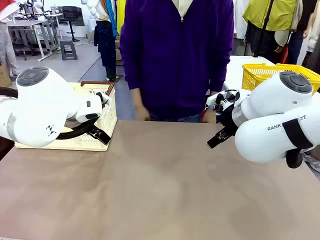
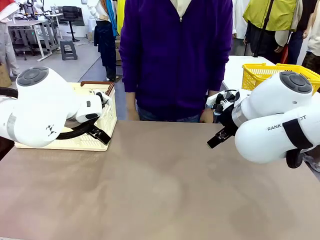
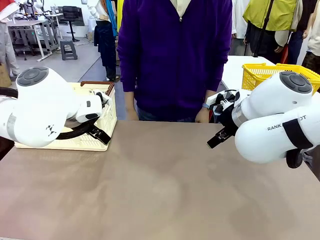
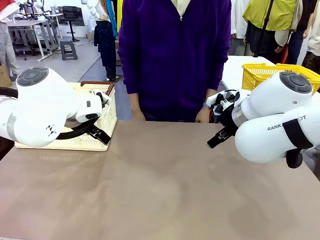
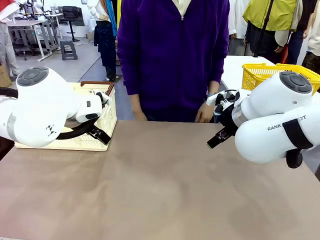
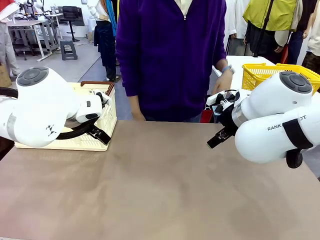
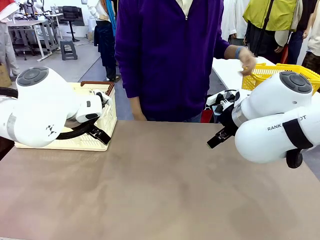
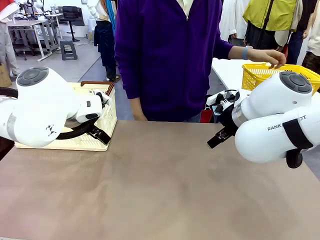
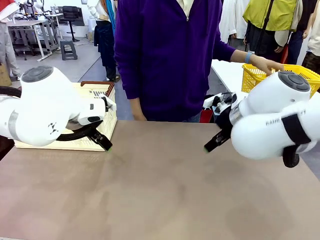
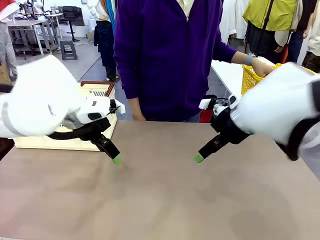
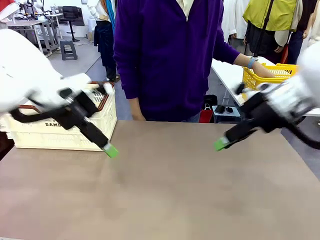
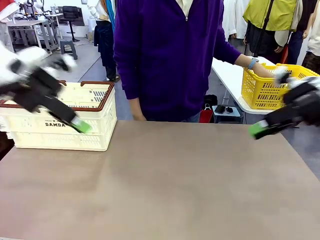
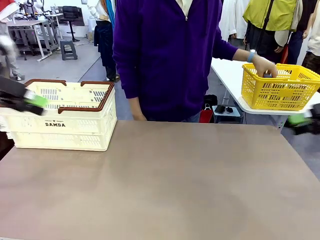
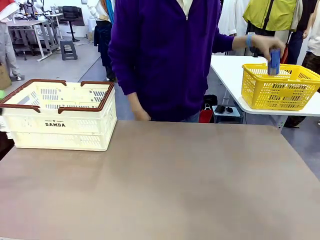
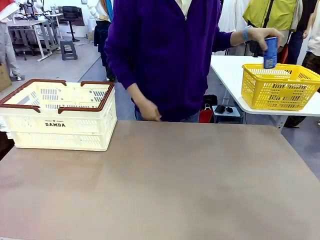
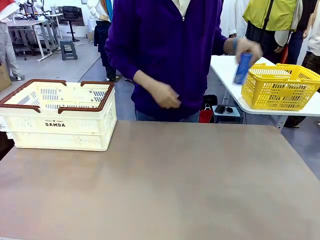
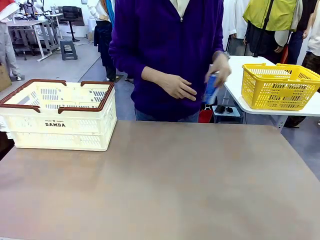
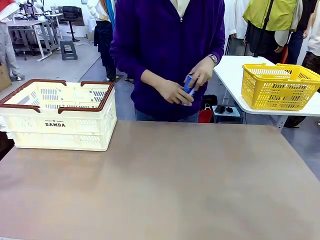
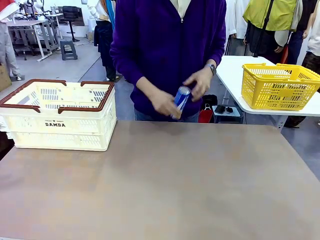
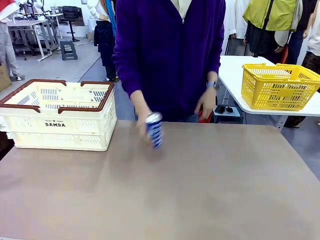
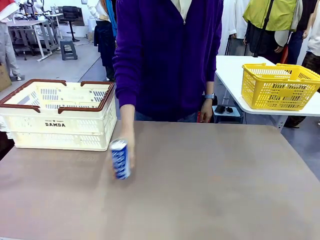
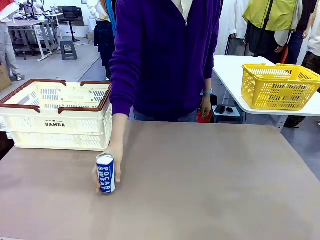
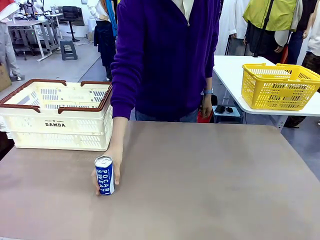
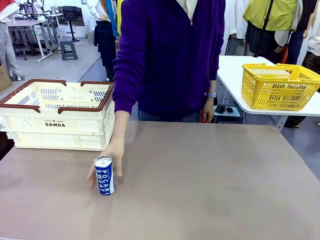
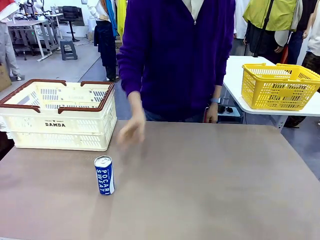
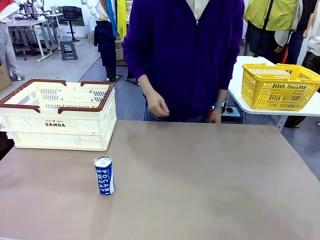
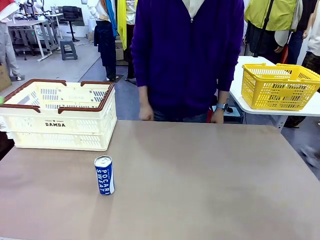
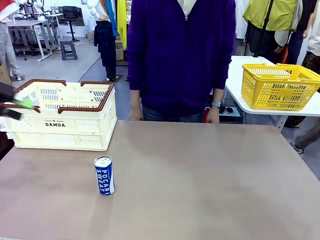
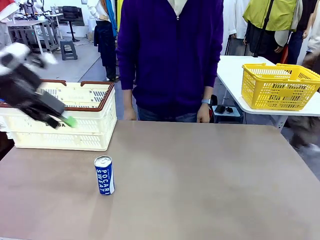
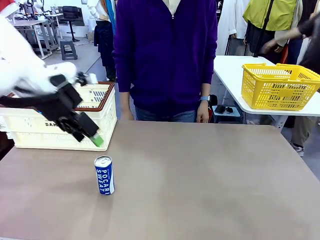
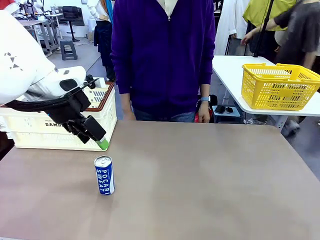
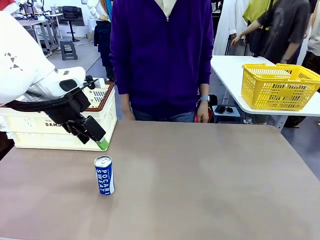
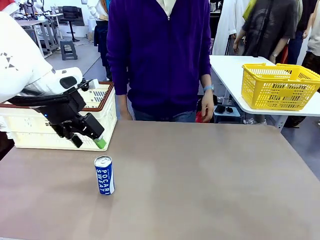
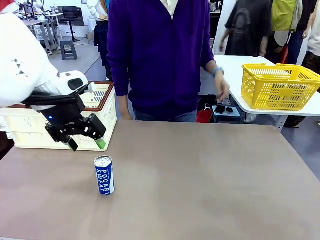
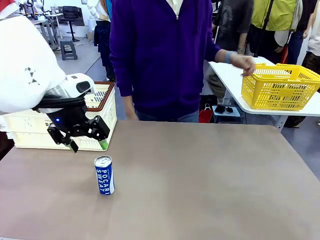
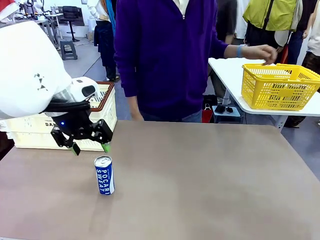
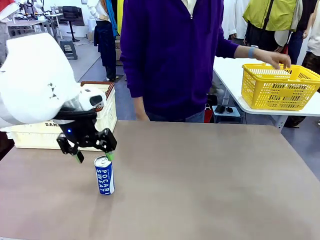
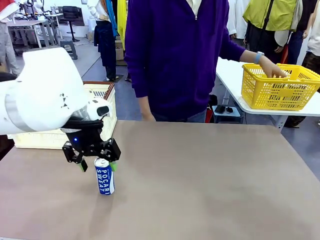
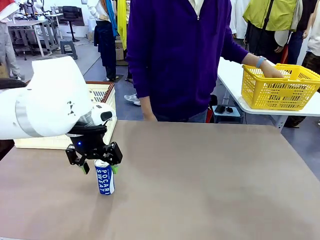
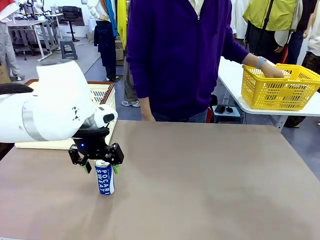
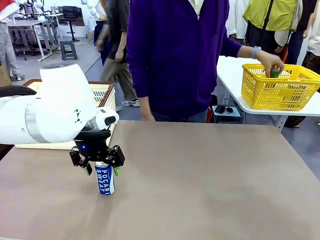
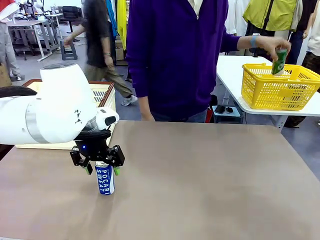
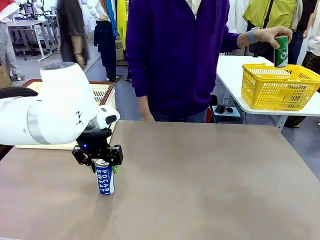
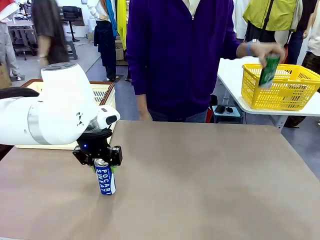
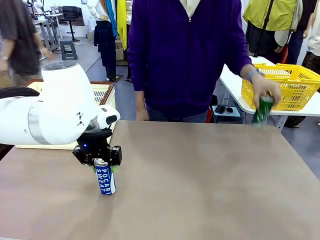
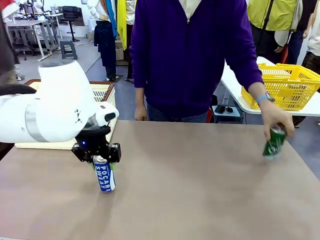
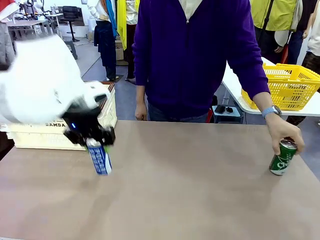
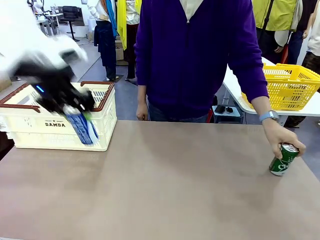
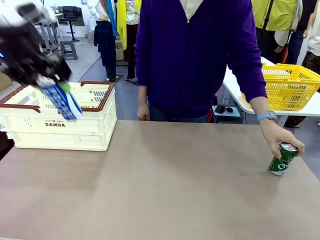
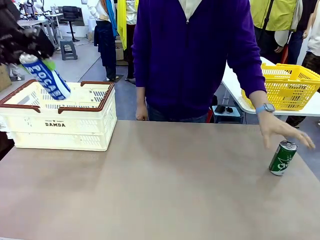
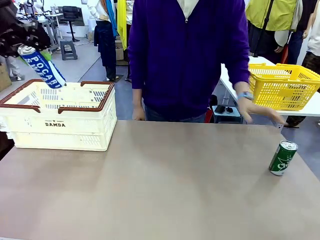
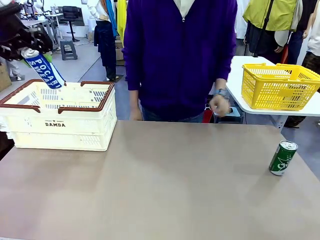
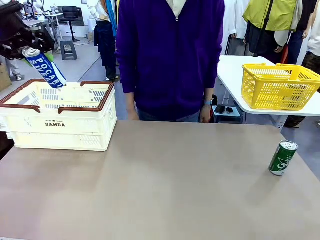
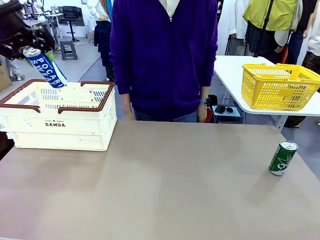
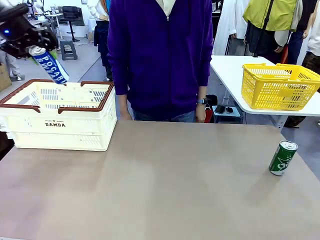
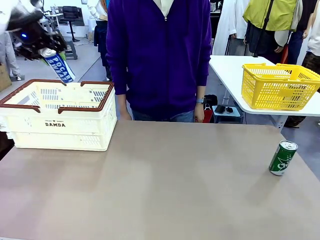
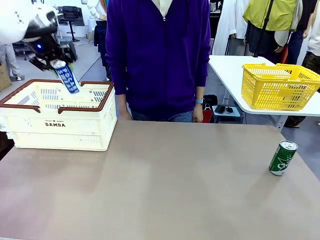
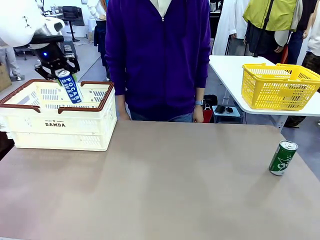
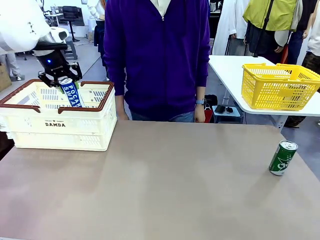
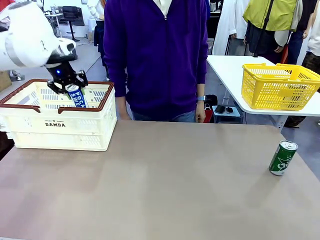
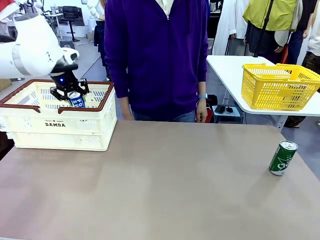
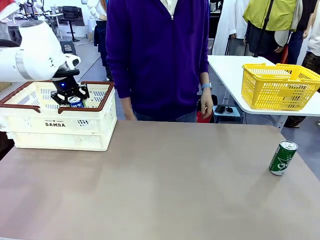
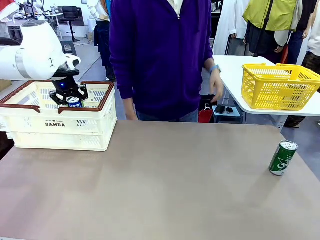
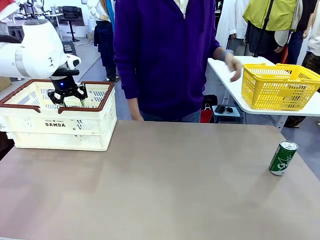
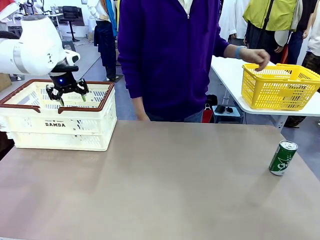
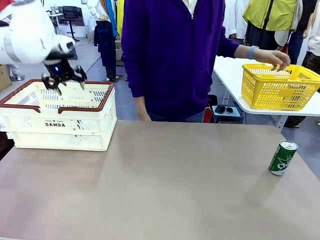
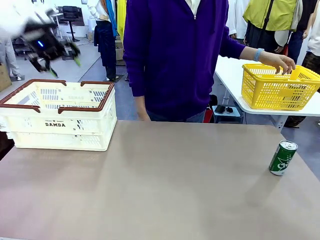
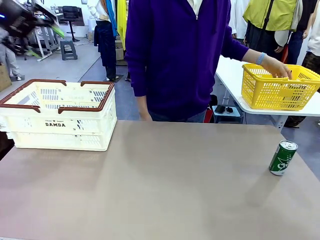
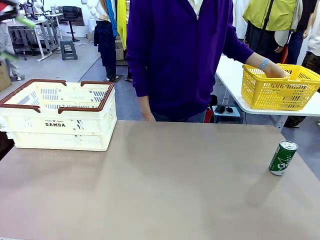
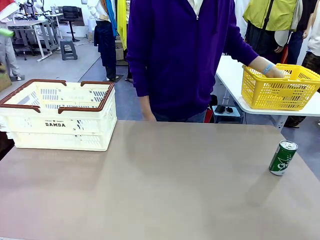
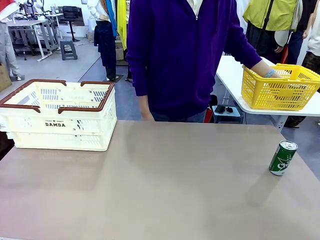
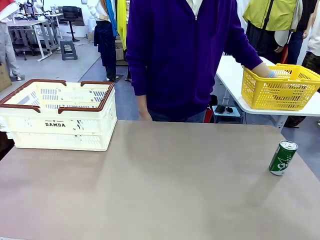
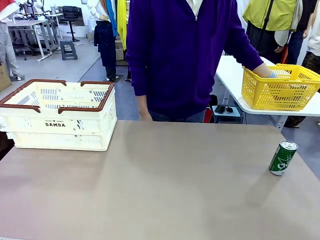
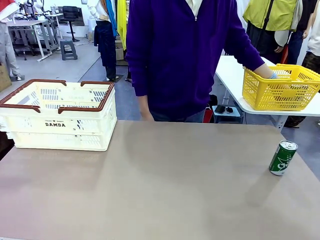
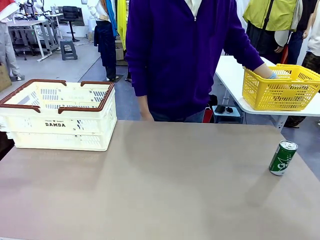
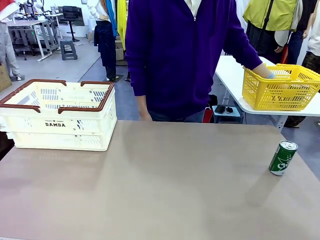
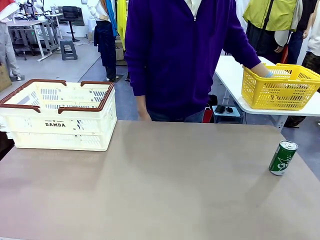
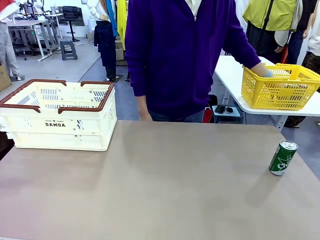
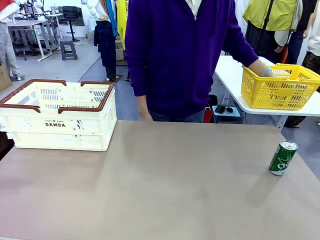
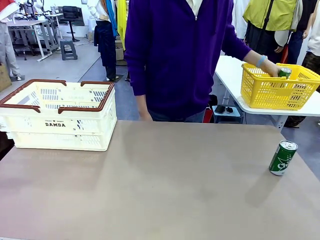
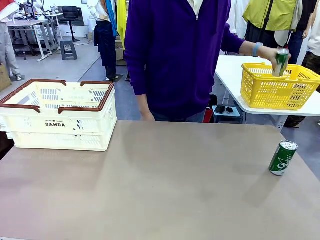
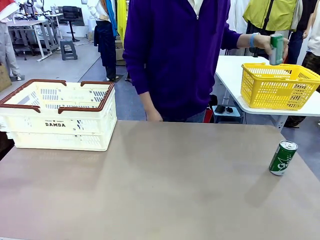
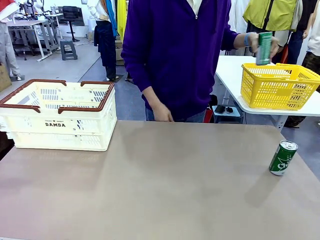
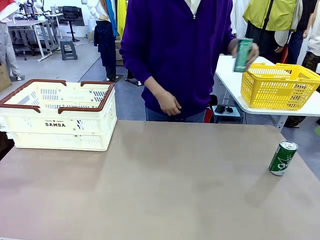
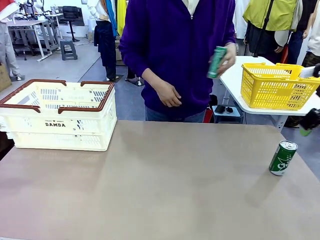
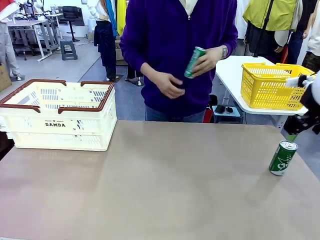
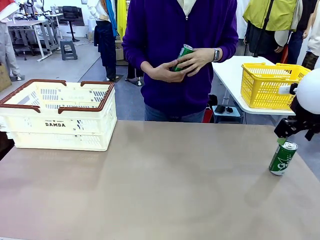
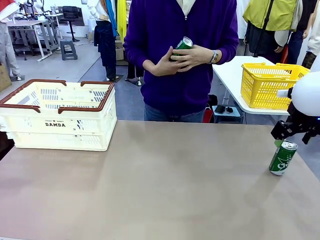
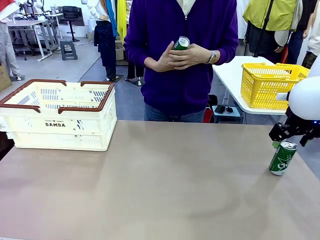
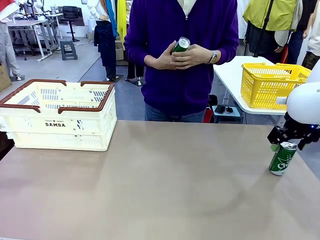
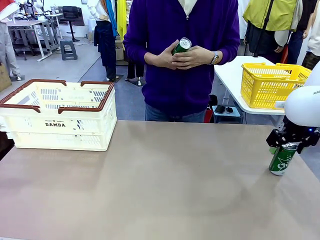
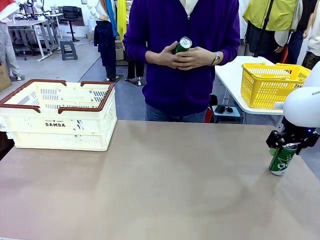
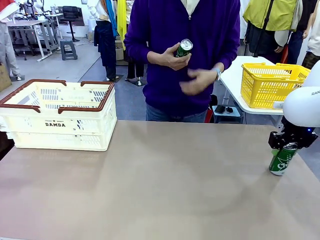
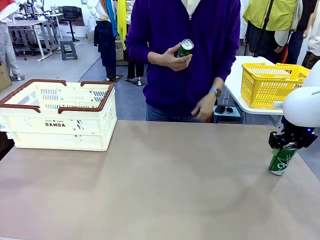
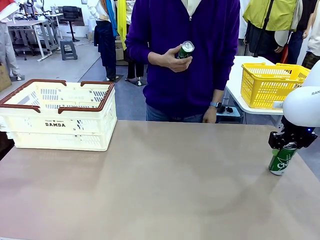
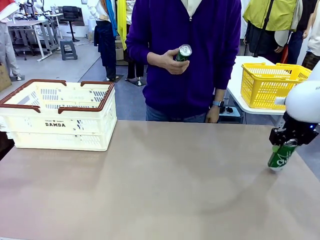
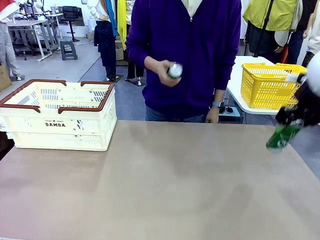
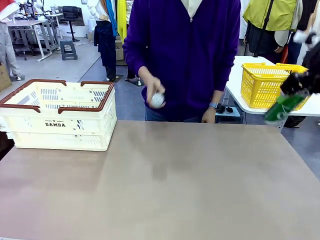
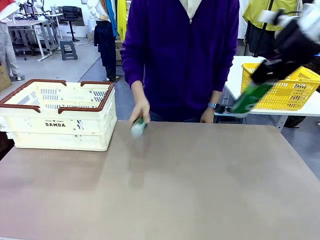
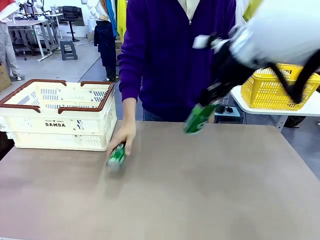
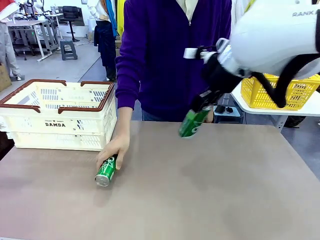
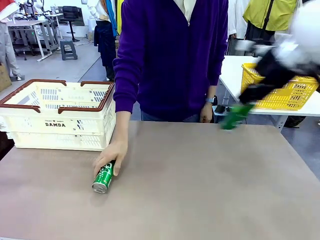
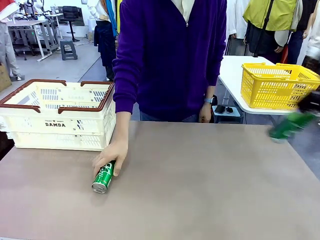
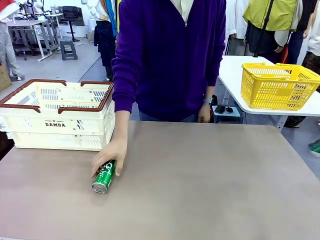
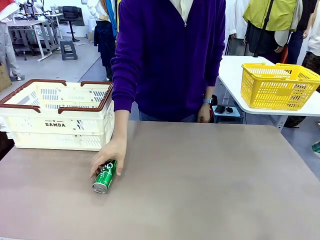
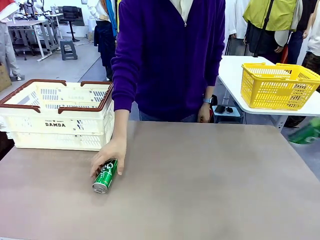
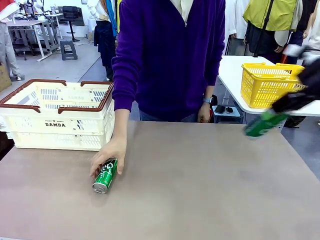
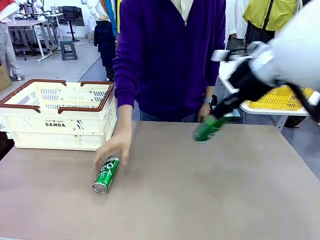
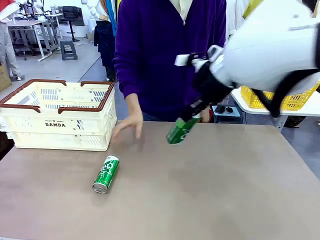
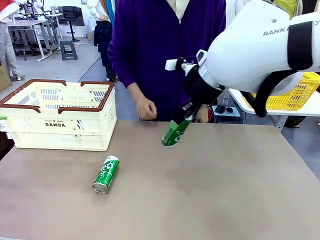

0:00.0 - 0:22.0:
Task: Place the drinks into the Shopping basket.
Robot: Pick up one drink and place it into the Shopping basket.
